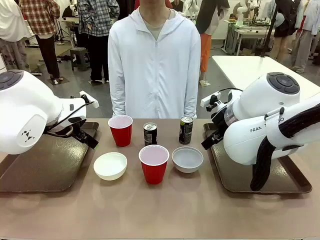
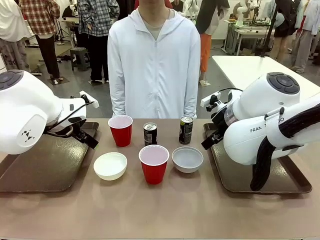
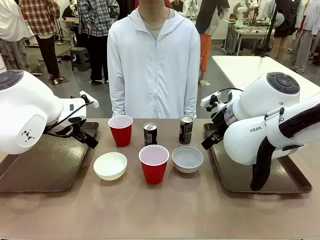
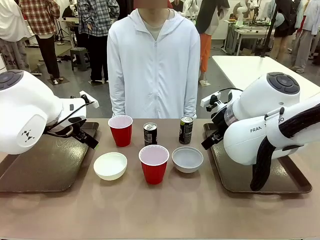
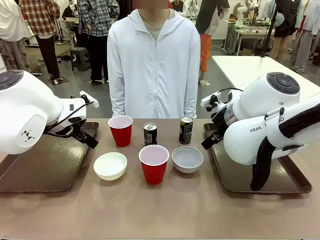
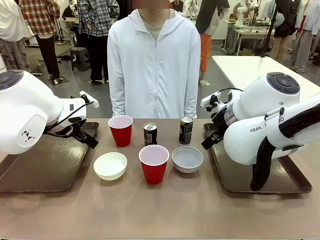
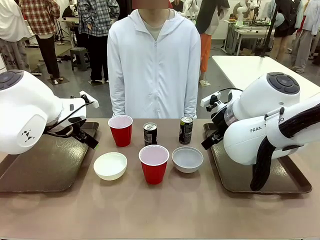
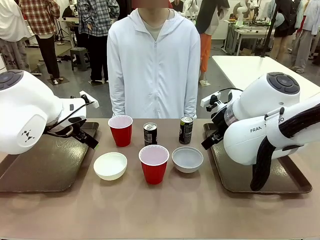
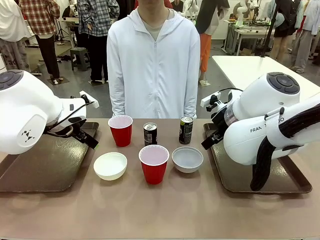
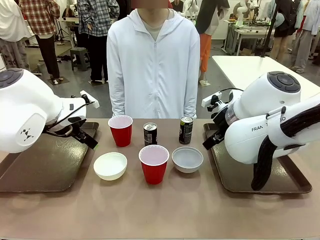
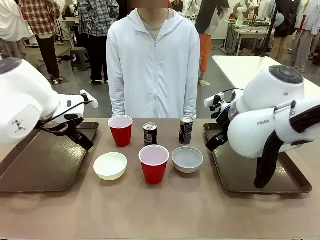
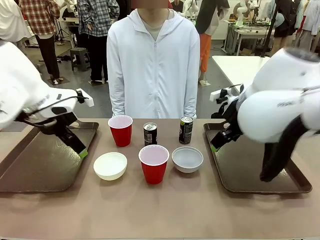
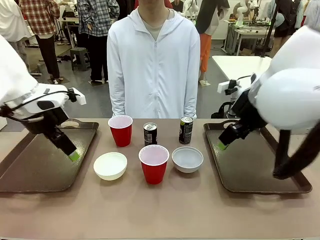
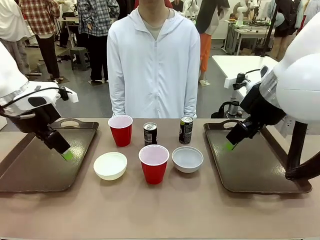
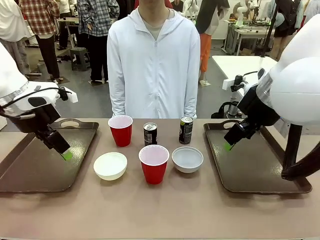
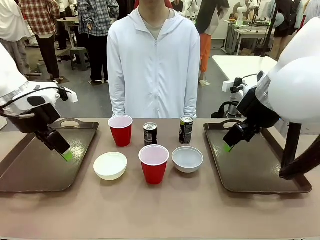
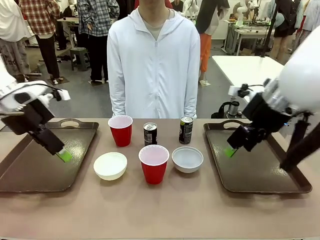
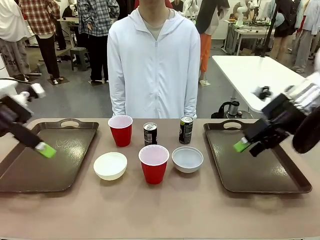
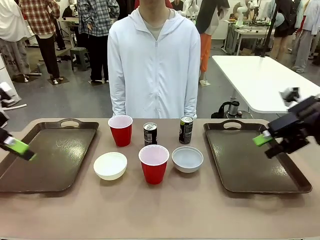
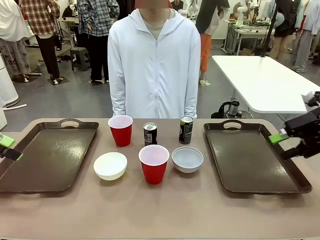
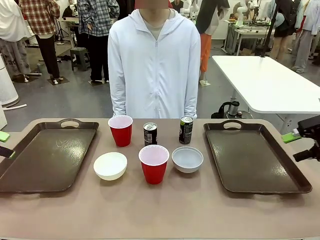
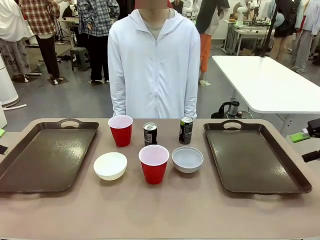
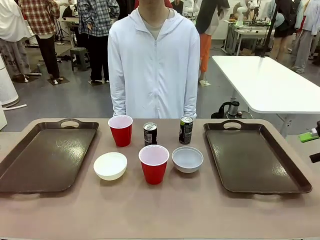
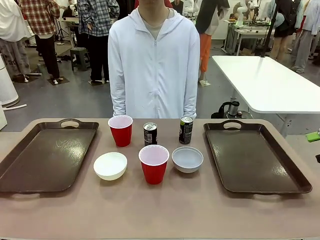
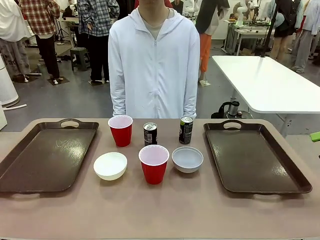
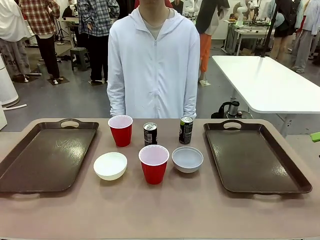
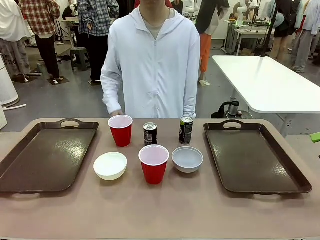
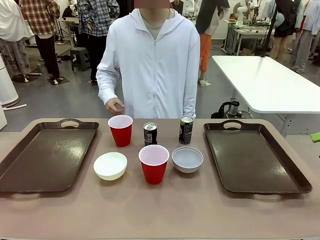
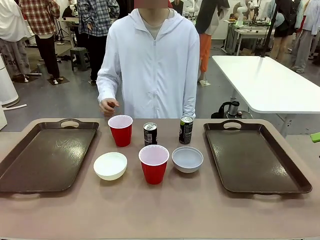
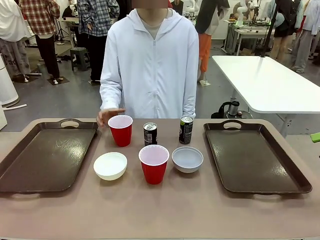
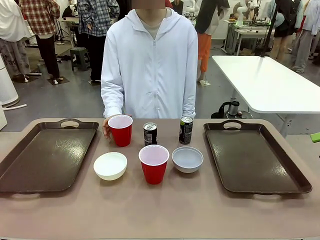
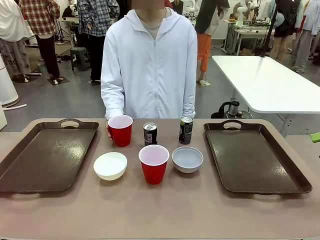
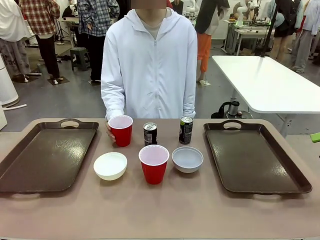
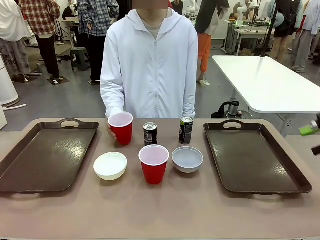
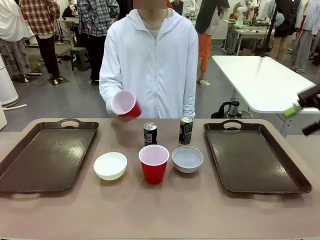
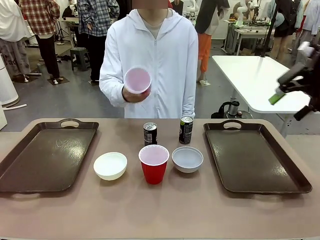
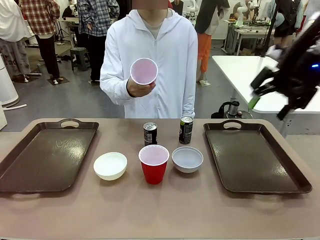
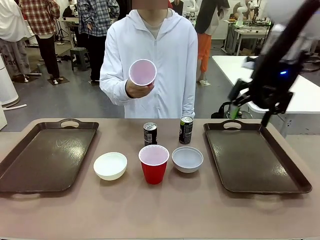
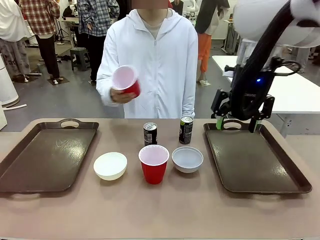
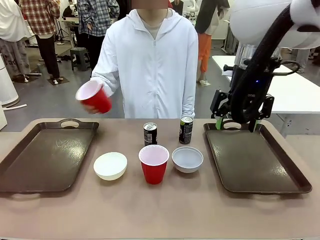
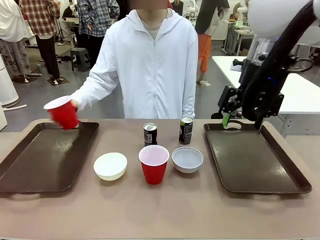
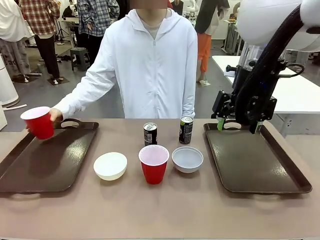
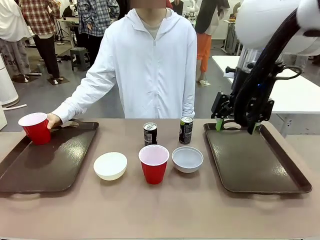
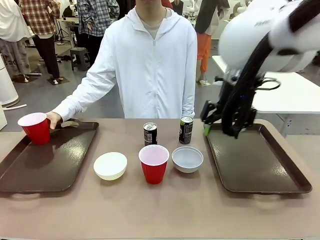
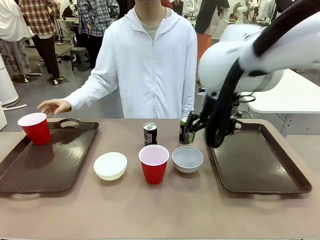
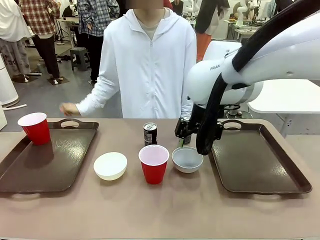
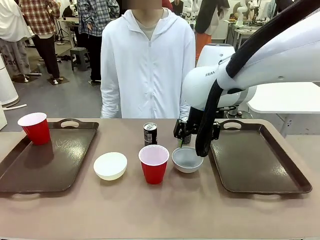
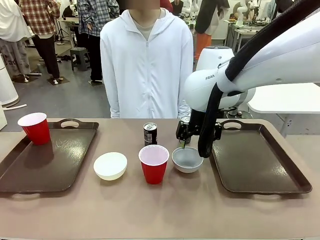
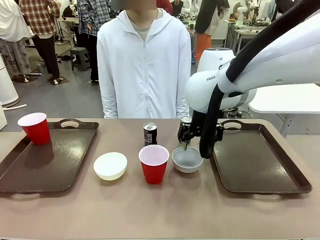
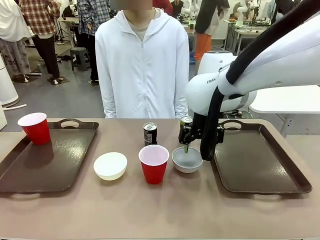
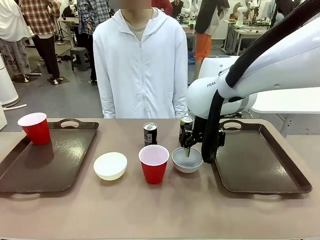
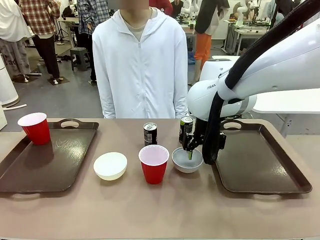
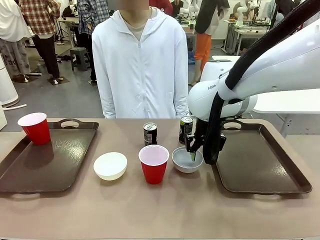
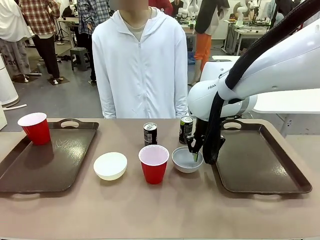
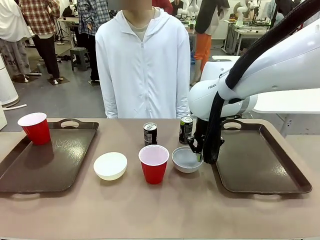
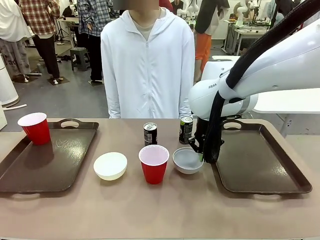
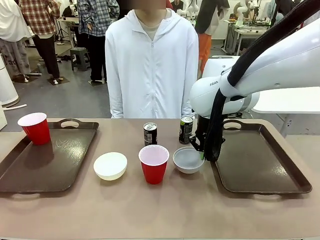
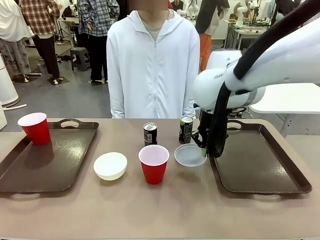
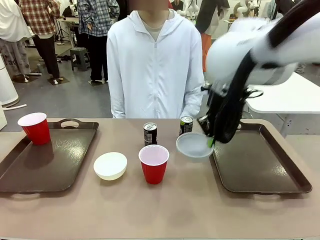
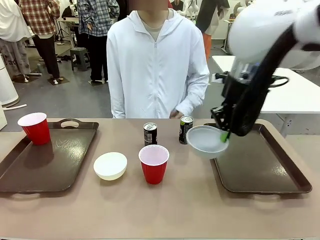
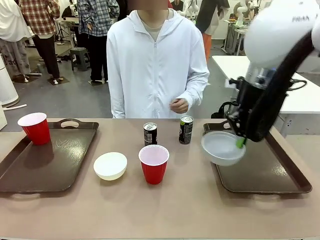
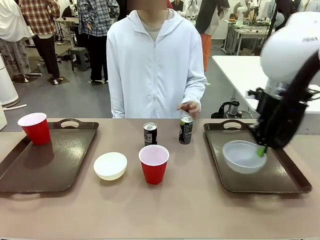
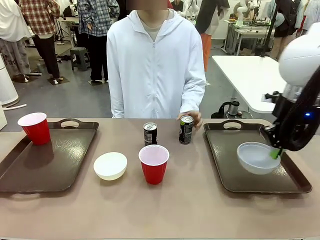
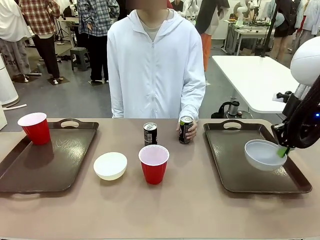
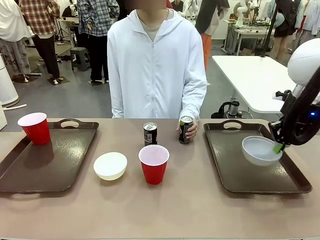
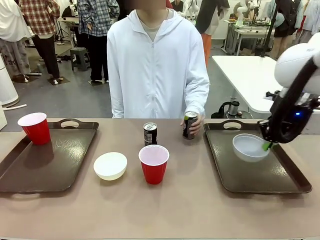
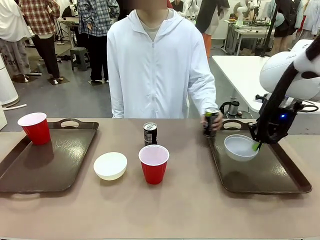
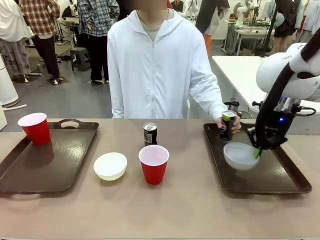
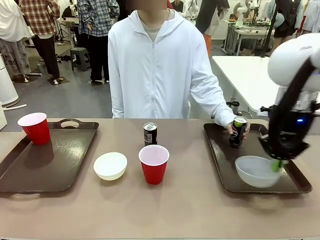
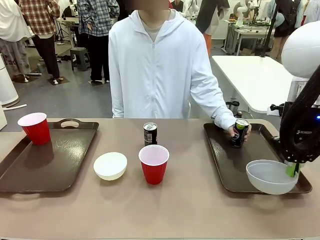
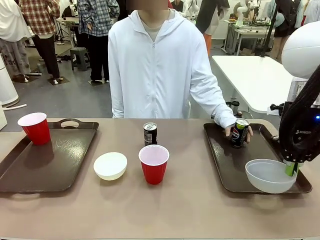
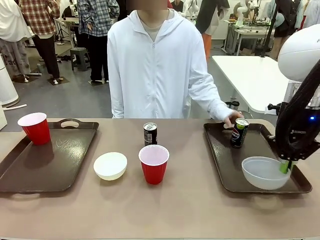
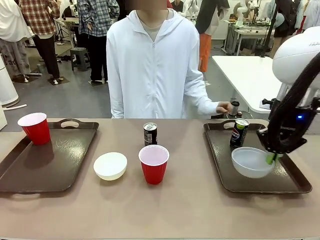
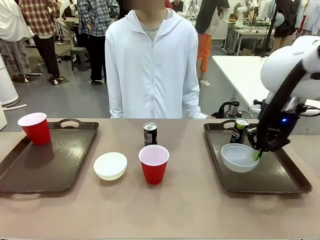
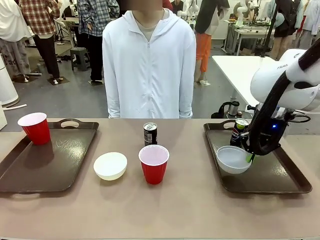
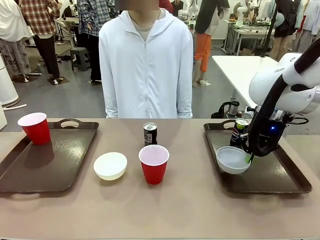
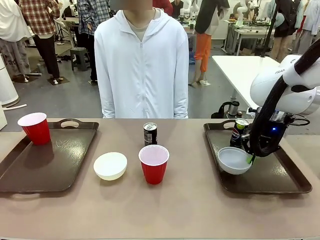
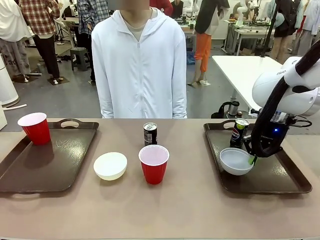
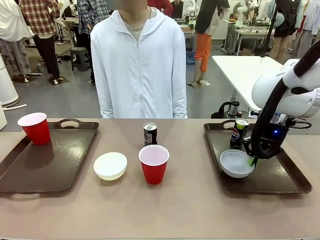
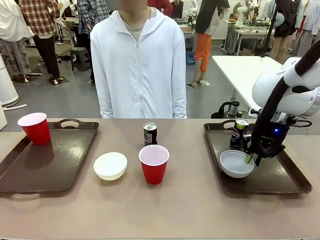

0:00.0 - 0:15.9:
Task: Prepare tableware on both trays.
Robot: Pick up a Picnic Bowl from the table and place it on a Handle tray.
Person: Pick up a can or cup and place it on the tray.
